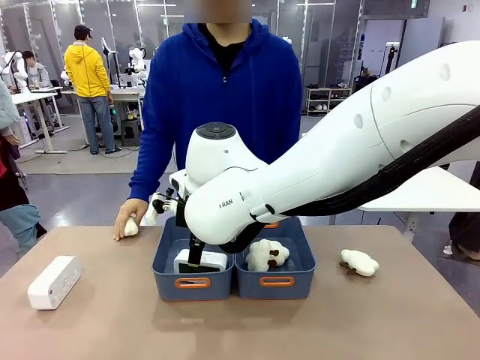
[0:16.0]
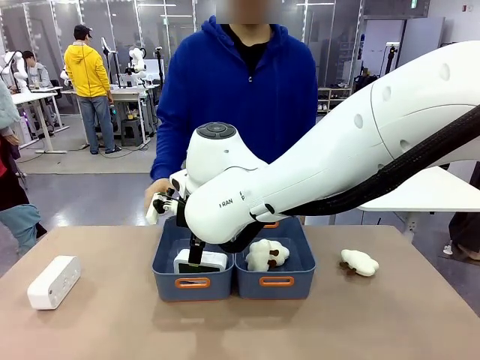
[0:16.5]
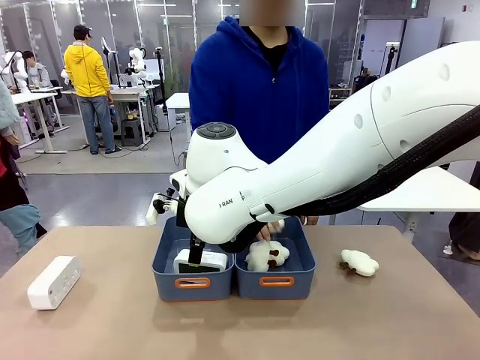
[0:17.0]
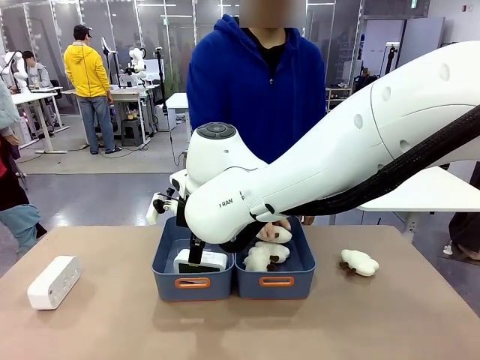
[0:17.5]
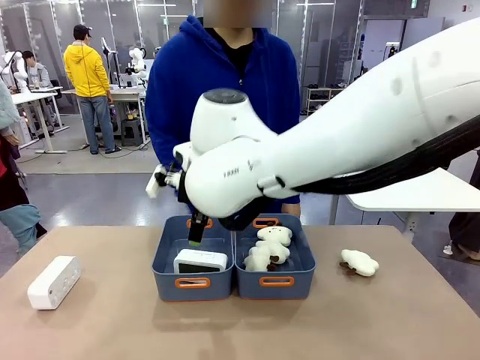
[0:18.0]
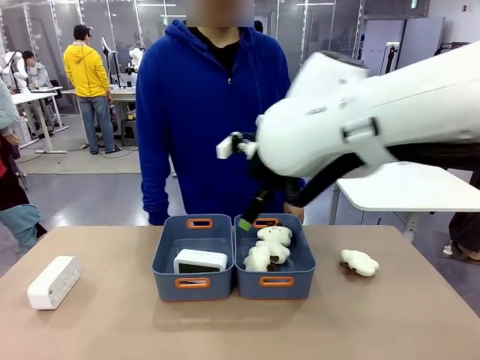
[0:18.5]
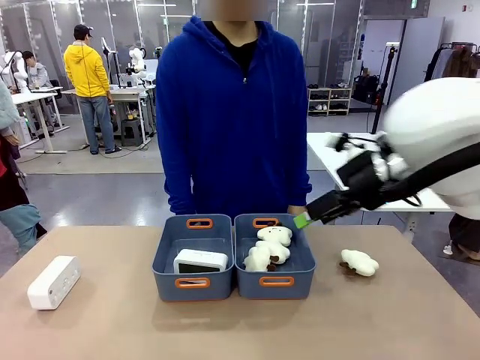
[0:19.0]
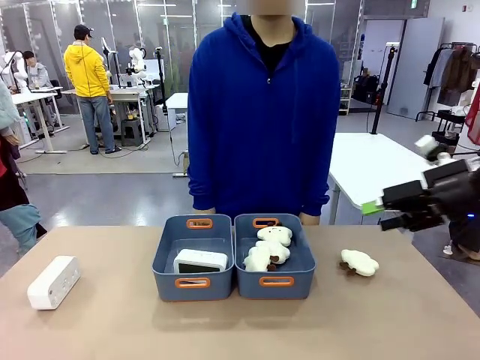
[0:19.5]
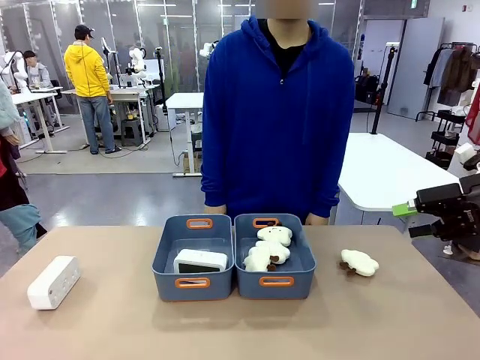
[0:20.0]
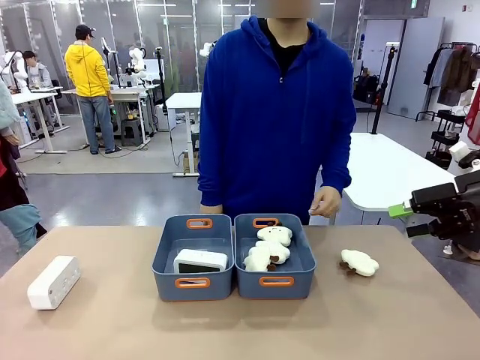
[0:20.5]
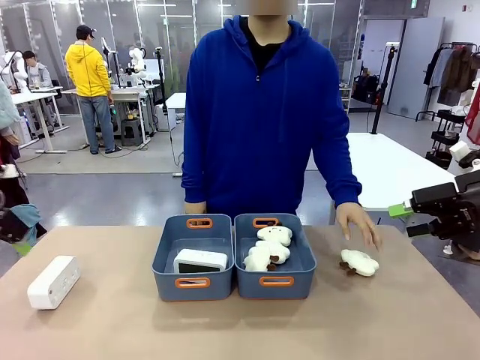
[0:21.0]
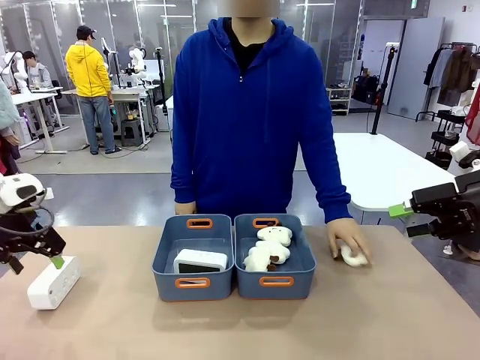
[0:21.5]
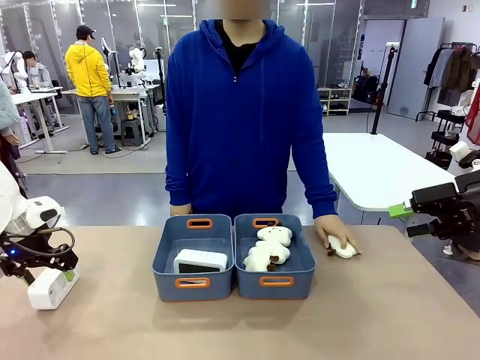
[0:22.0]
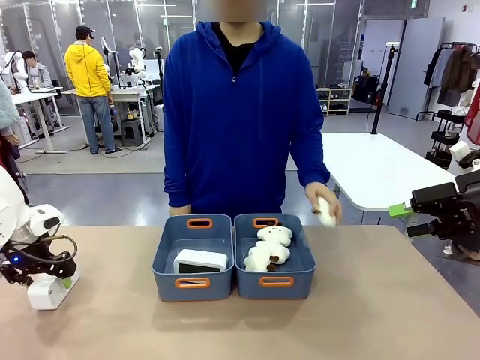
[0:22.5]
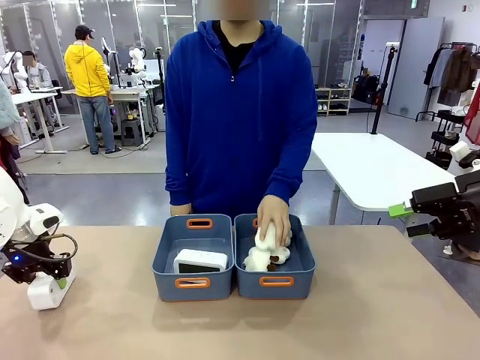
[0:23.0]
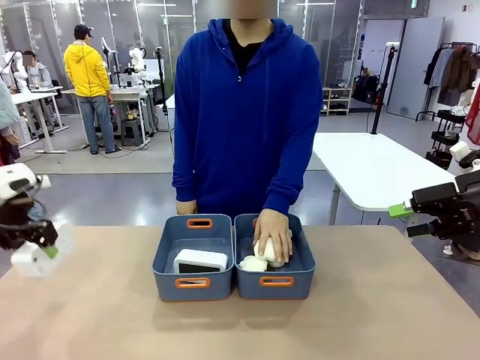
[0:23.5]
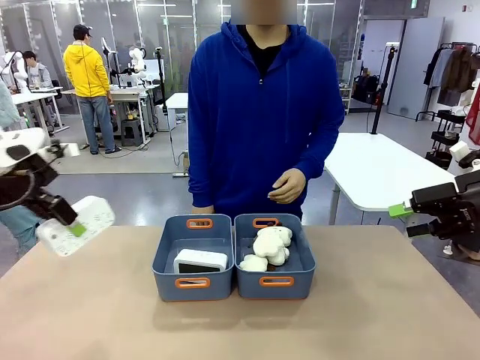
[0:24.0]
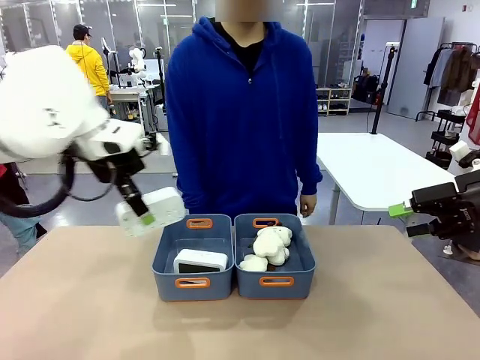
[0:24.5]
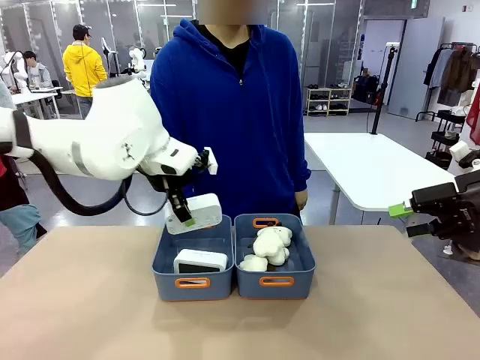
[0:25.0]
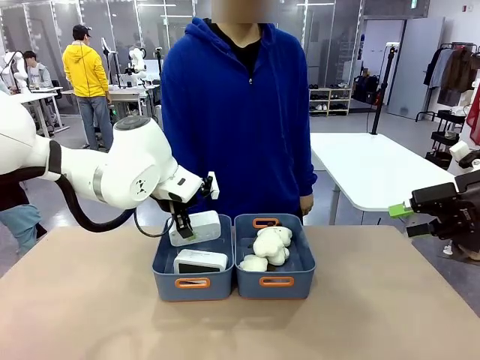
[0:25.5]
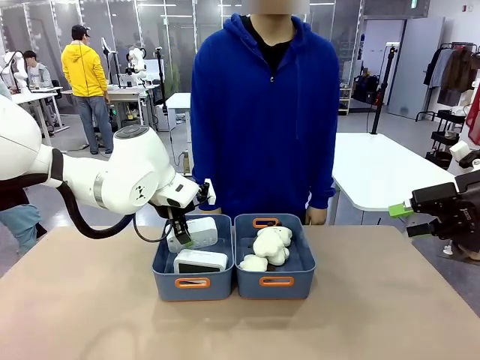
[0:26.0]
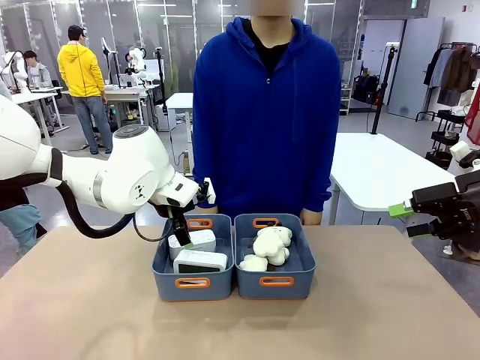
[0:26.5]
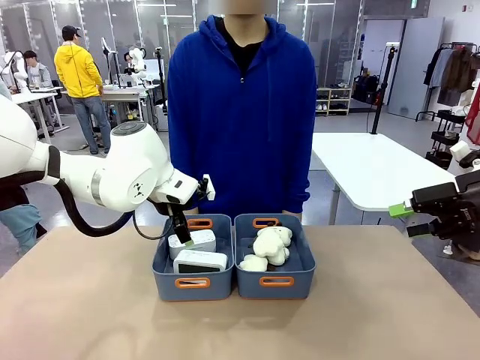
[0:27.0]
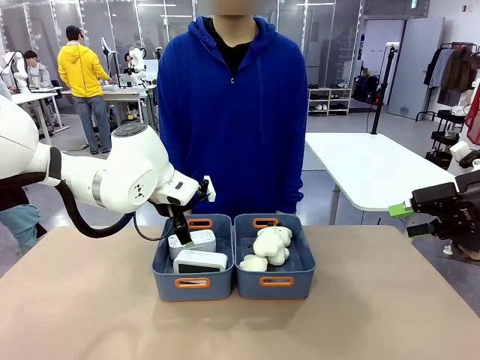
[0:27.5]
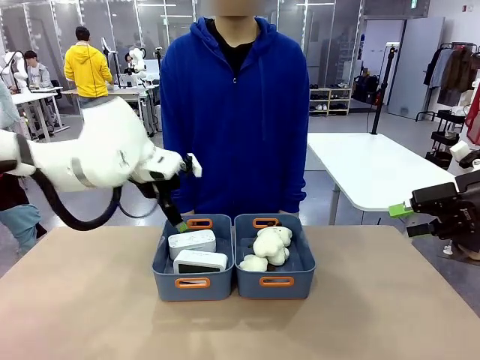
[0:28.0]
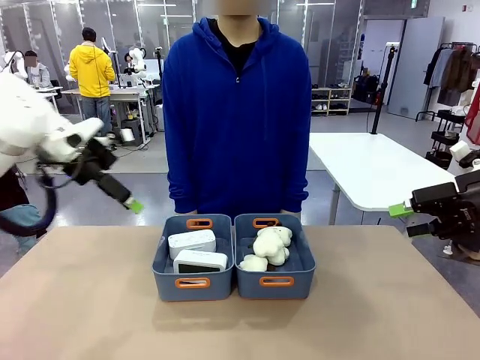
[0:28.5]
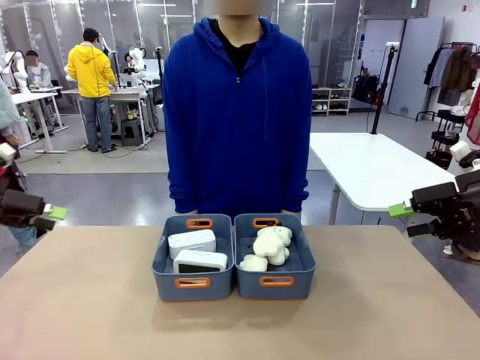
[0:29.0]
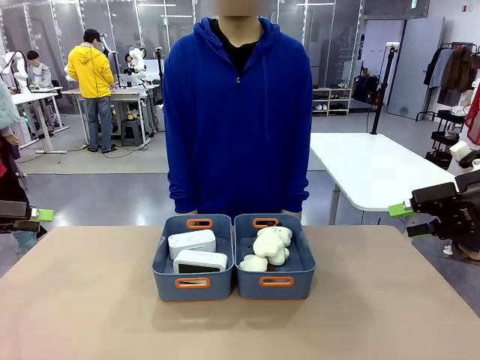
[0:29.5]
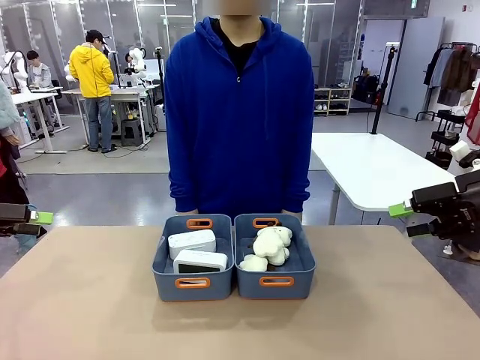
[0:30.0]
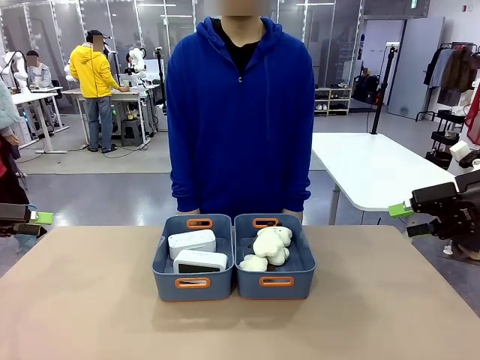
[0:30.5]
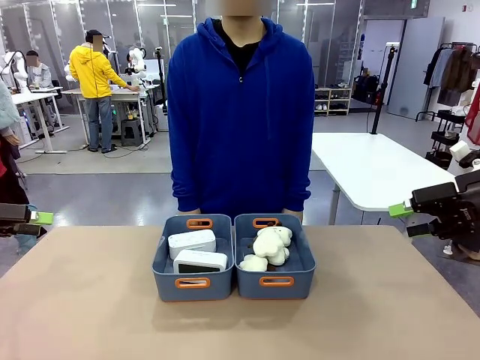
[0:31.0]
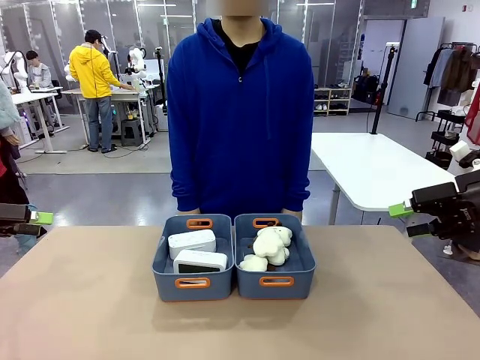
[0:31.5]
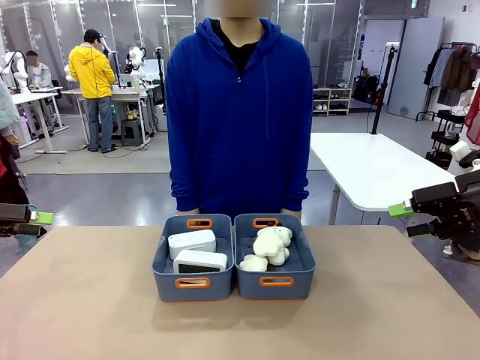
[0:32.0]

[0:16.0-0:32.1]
Task: Sort the digital clocks into the basket.
Robot: Pick up the Digital clock from the table and place it into the empty Plastic storage basket.
Person: Pick up a plush toy from the table and place it in the plastic storage basket containing the plush toy.
